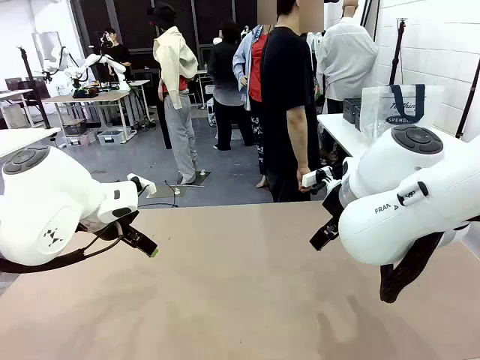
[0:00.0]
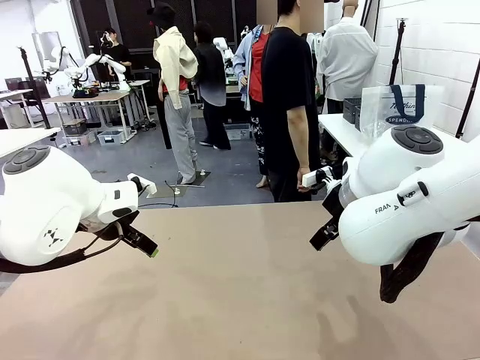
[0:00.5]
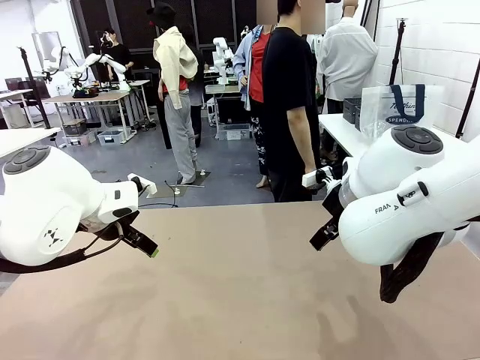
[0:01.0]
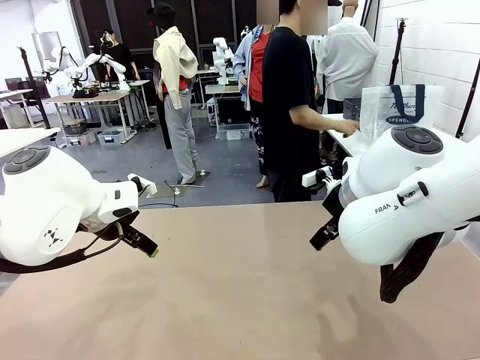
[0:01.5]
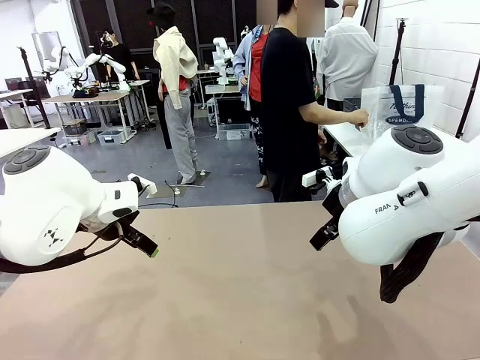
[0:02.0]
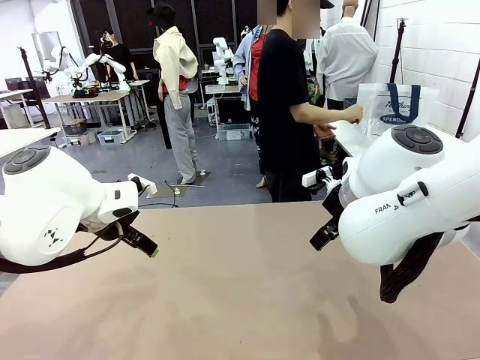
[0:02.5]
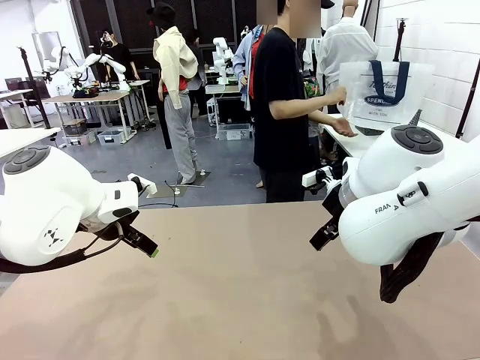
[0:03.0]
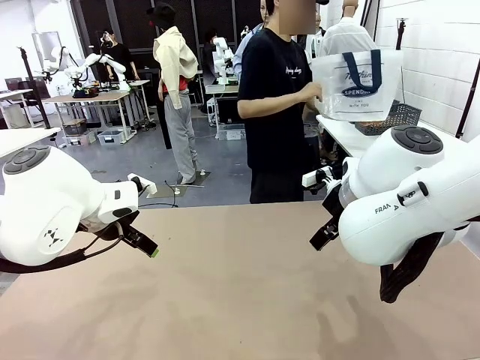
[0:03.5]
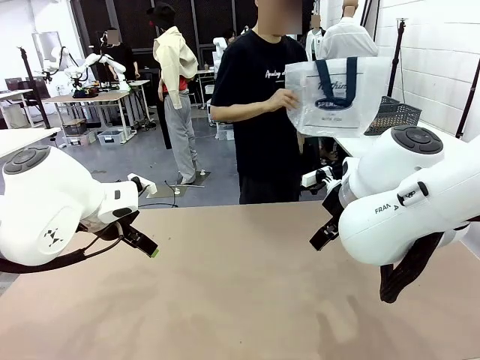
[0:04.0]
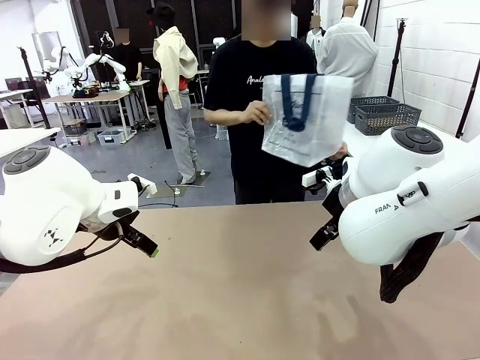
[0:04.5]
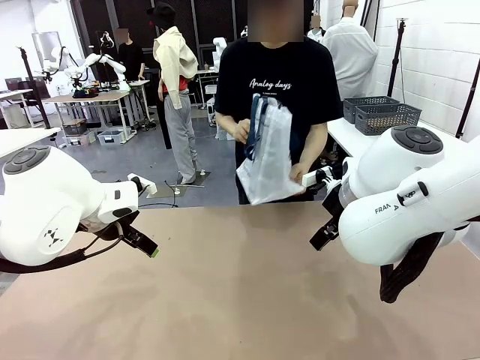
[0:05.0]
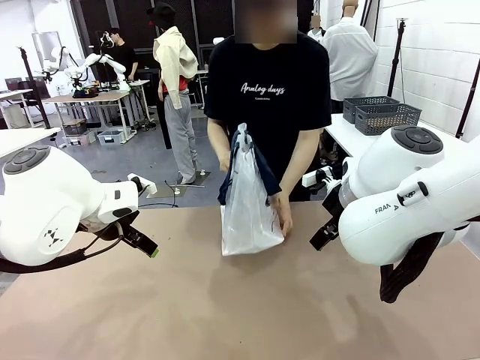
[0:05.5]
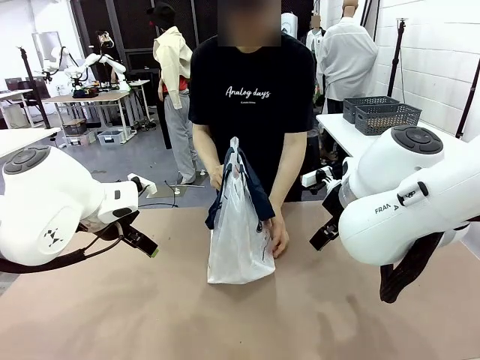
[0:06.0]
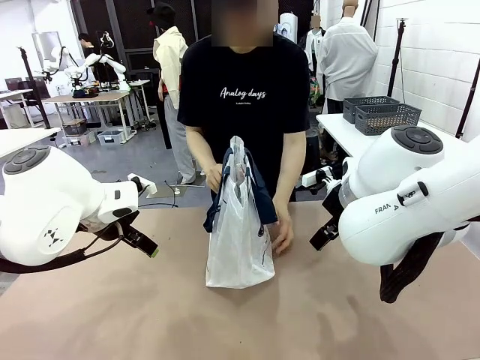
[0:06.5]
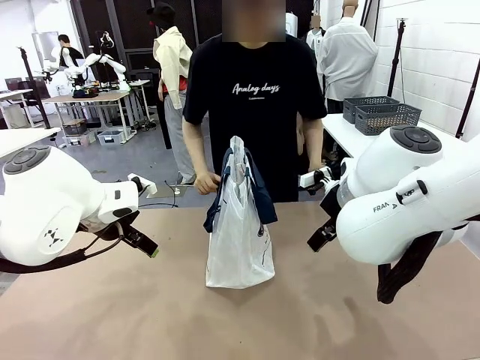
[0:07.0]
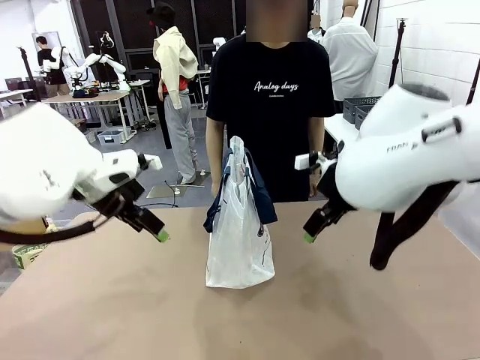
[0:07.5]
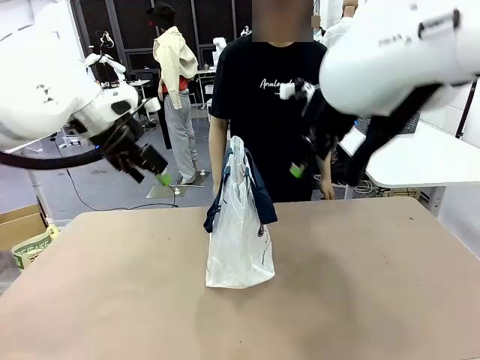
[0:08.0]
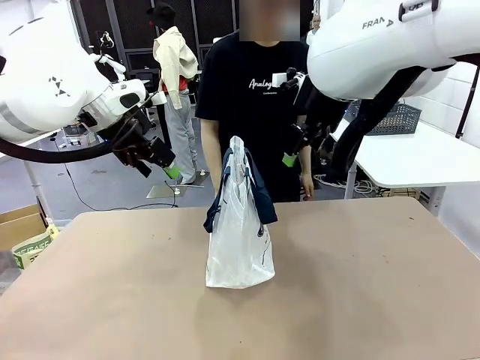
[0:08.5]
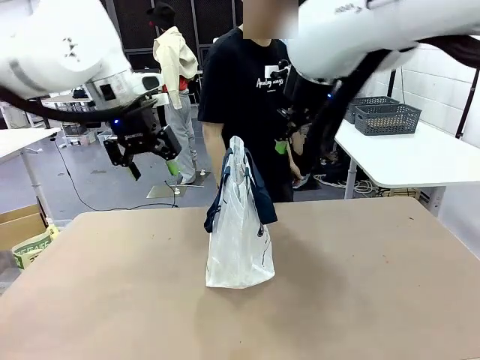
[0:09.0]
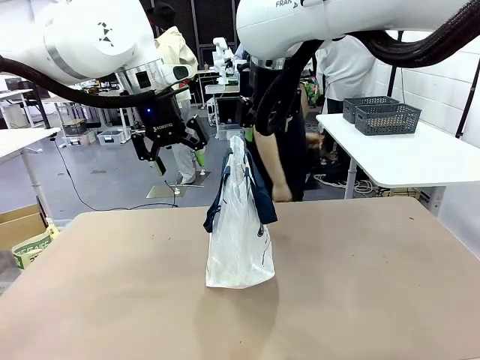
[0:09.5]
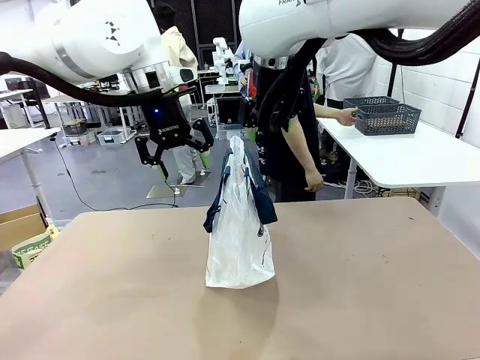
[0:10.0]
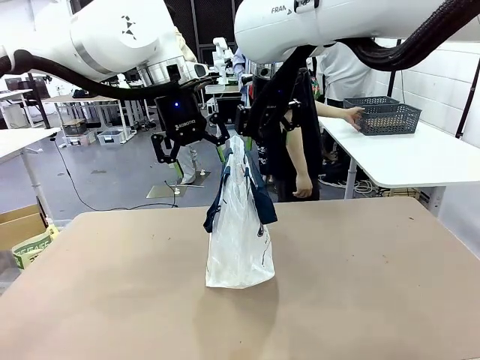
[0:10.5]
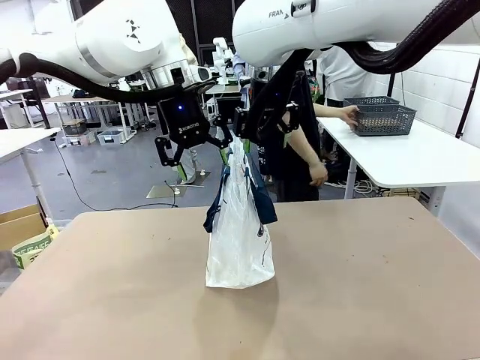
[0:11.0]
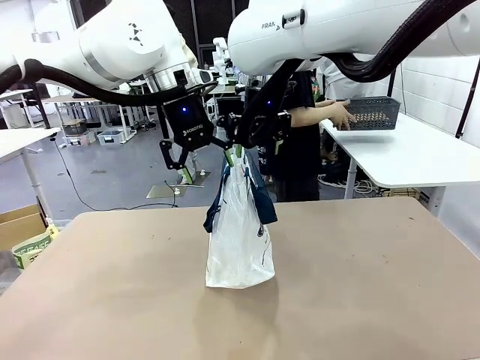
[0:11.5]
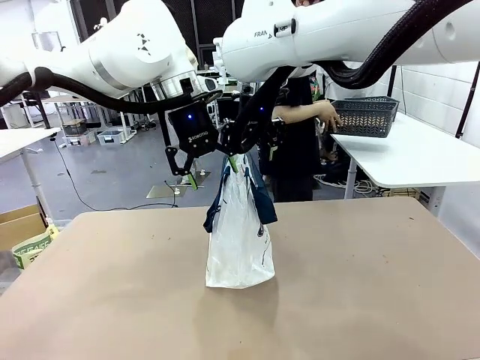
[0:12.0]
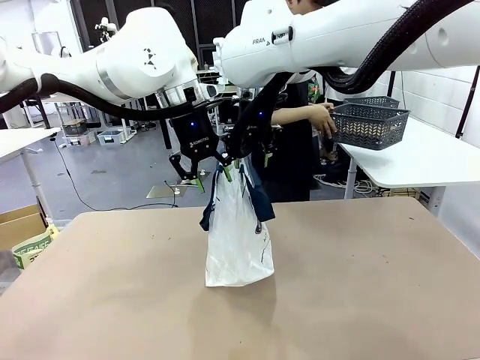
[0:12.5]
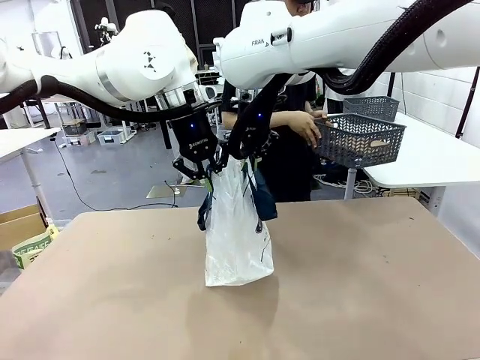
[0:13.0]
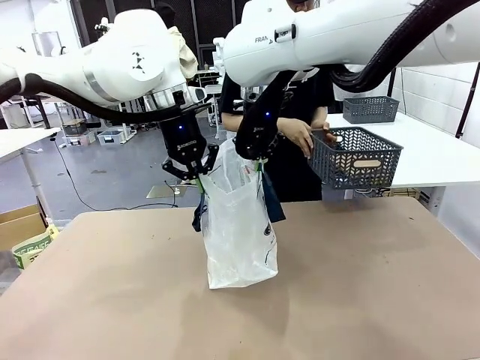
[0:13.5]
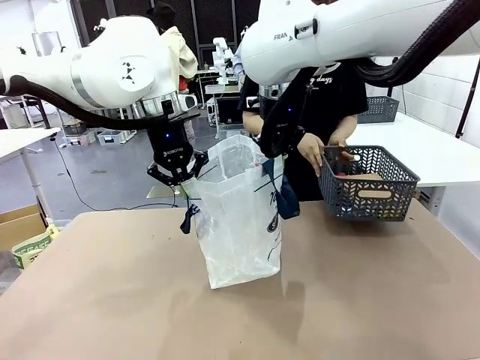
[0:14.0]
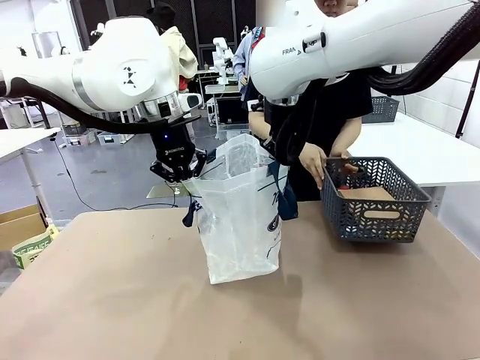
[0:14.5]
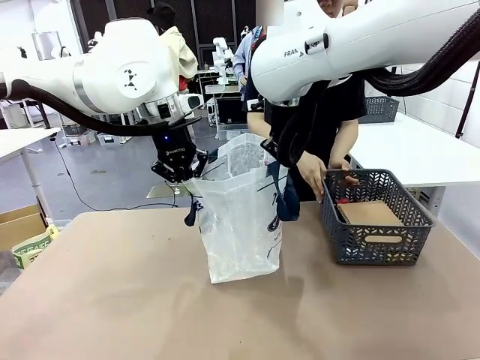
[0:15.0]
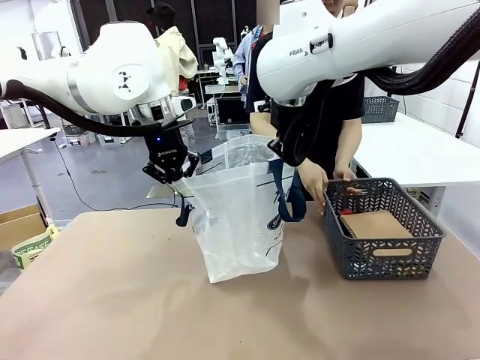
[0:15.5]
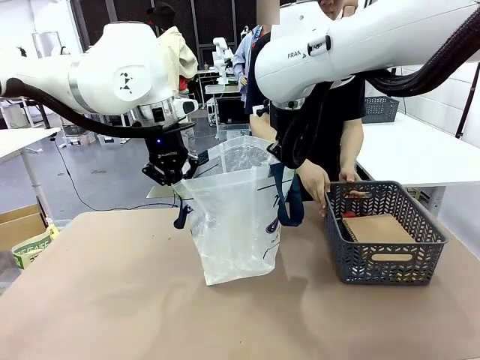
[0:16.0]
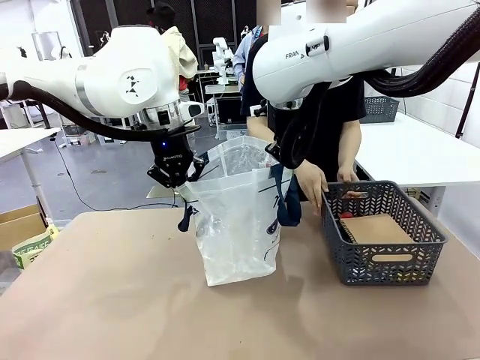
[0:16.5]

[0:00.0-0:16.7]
Task: Transfer purchased items from the store into the shopping bag.
Robot: Open the Reusable shopping bag in the center of the table.
Person: Pick up the shopping bag and place it in the middle of the robot table.
